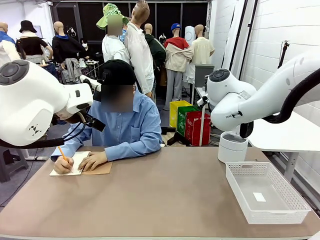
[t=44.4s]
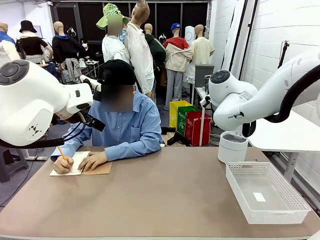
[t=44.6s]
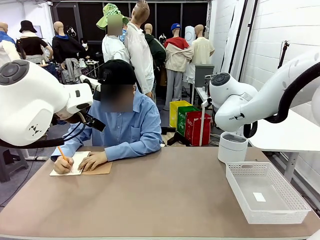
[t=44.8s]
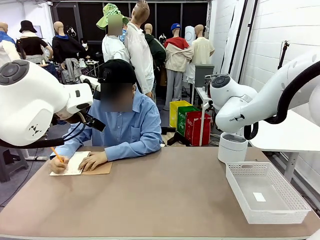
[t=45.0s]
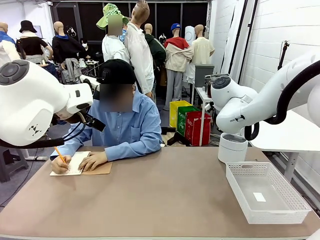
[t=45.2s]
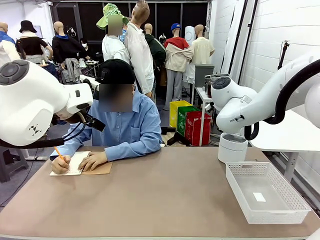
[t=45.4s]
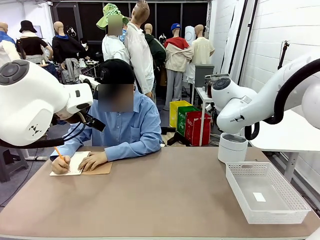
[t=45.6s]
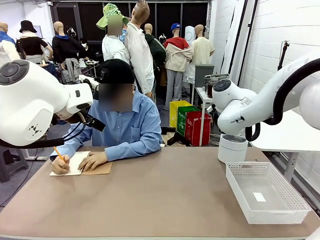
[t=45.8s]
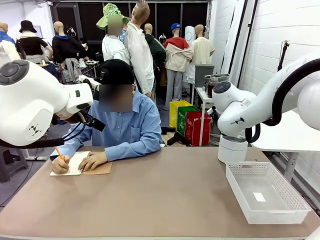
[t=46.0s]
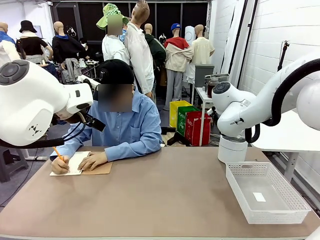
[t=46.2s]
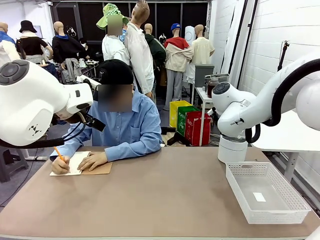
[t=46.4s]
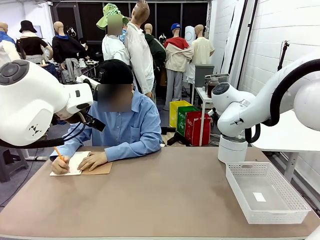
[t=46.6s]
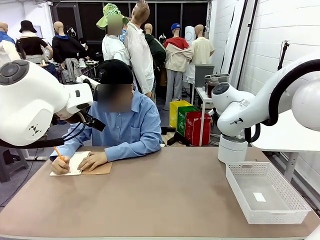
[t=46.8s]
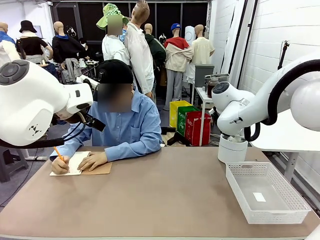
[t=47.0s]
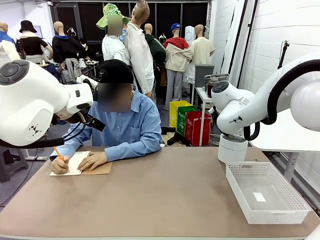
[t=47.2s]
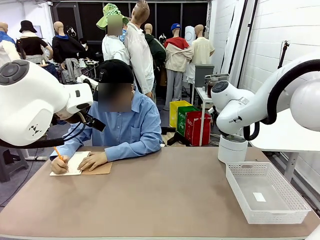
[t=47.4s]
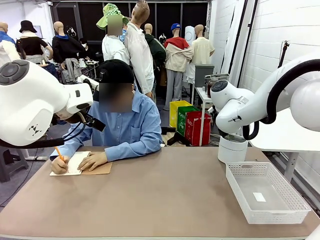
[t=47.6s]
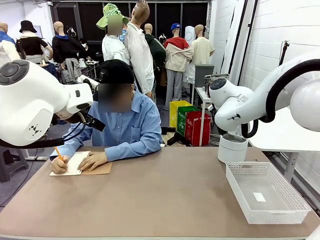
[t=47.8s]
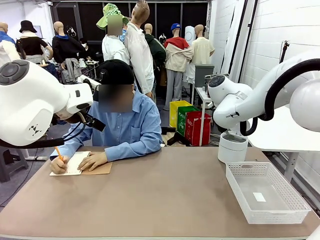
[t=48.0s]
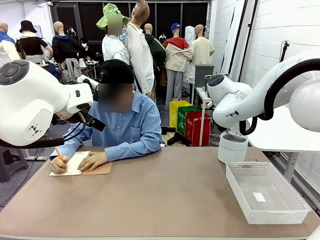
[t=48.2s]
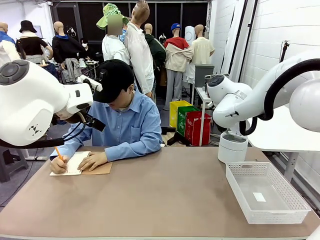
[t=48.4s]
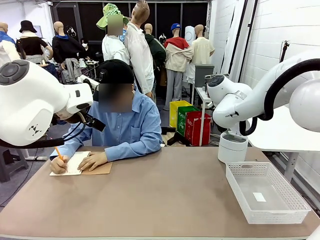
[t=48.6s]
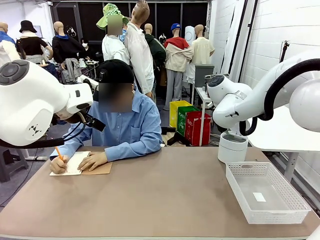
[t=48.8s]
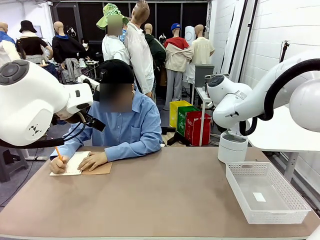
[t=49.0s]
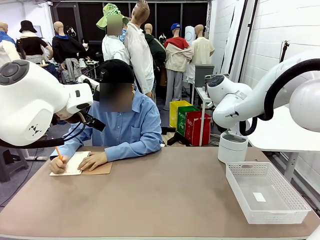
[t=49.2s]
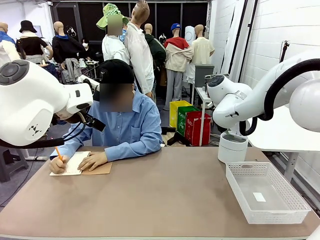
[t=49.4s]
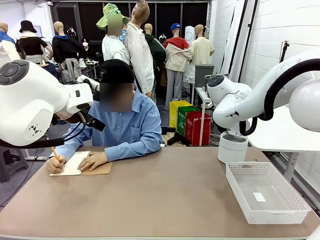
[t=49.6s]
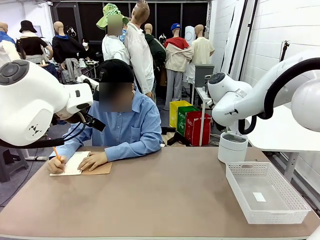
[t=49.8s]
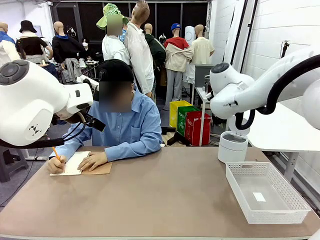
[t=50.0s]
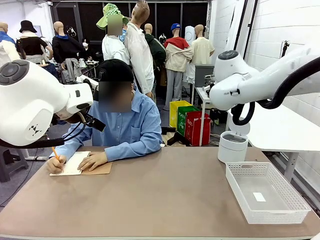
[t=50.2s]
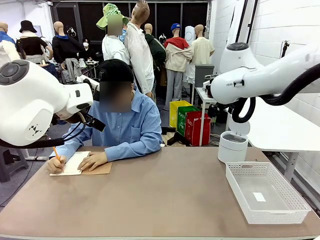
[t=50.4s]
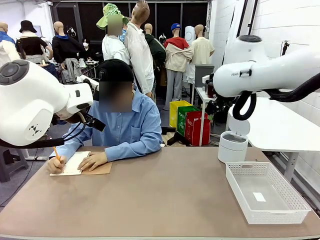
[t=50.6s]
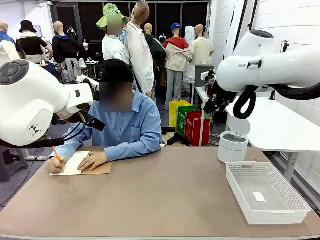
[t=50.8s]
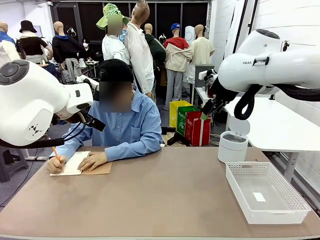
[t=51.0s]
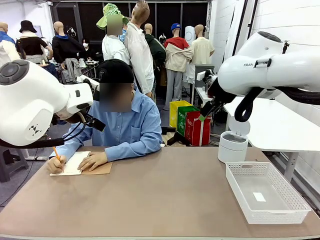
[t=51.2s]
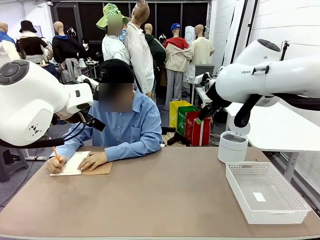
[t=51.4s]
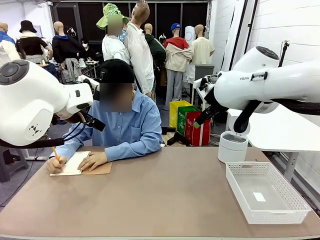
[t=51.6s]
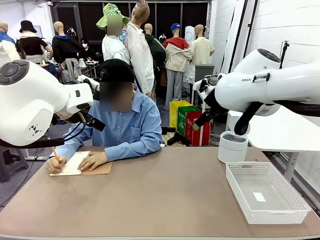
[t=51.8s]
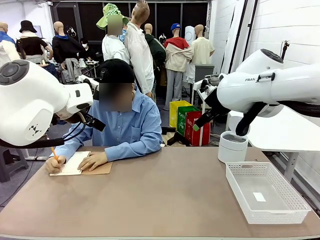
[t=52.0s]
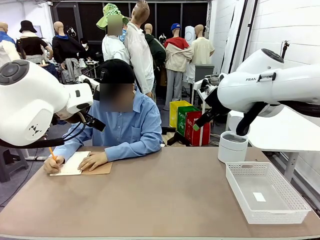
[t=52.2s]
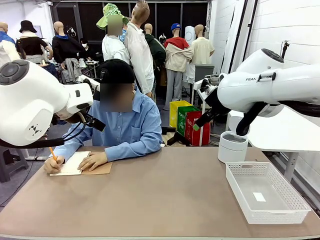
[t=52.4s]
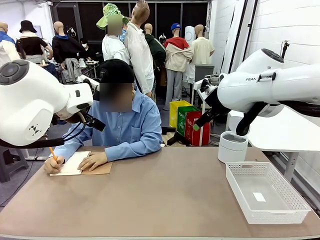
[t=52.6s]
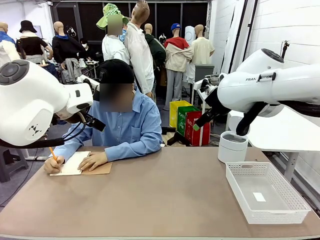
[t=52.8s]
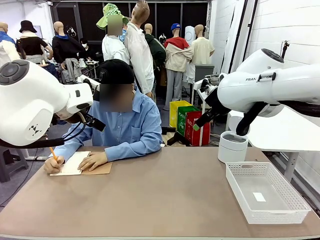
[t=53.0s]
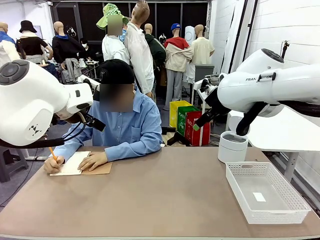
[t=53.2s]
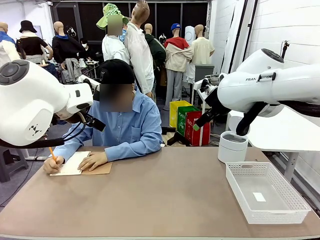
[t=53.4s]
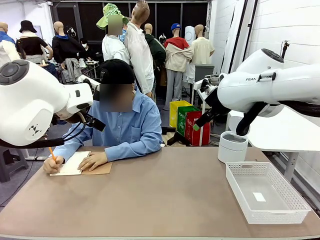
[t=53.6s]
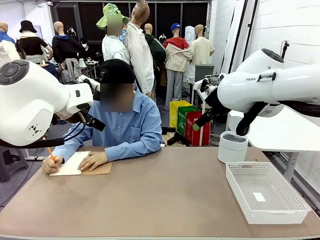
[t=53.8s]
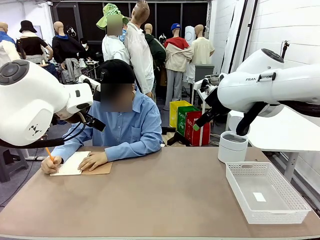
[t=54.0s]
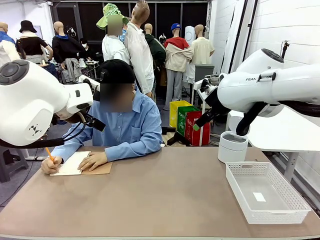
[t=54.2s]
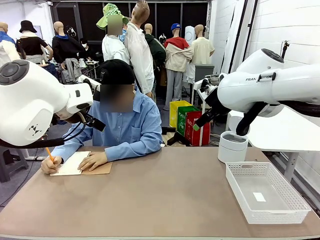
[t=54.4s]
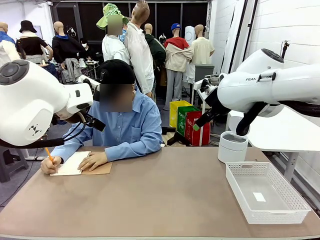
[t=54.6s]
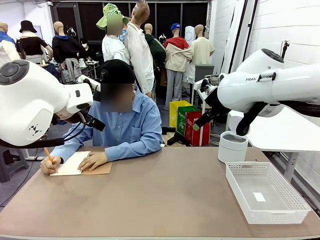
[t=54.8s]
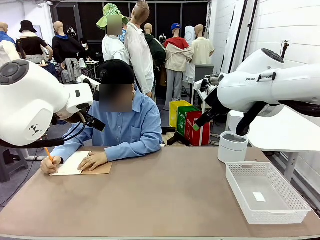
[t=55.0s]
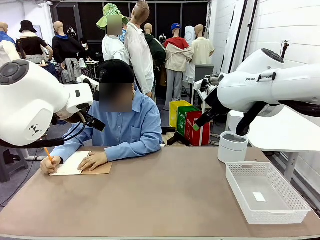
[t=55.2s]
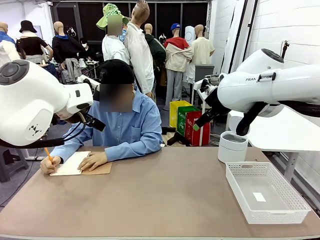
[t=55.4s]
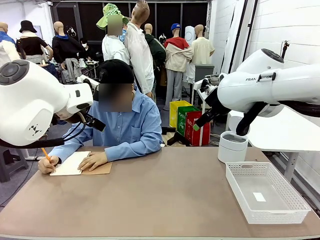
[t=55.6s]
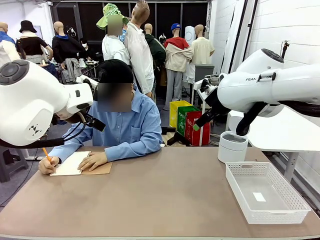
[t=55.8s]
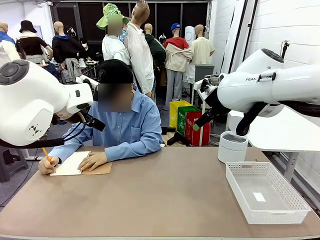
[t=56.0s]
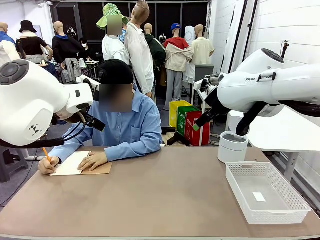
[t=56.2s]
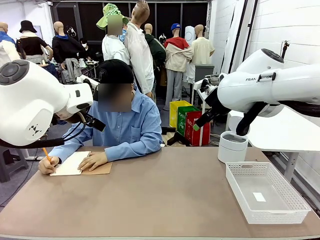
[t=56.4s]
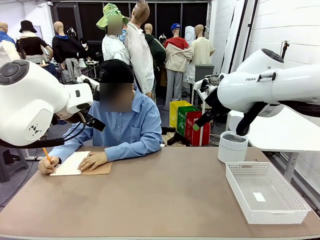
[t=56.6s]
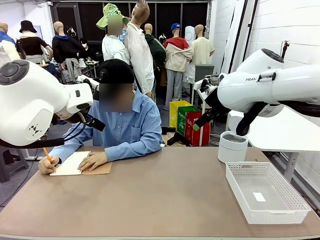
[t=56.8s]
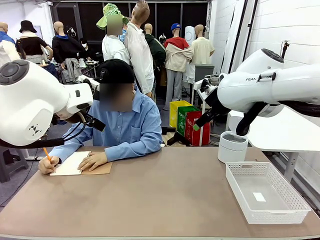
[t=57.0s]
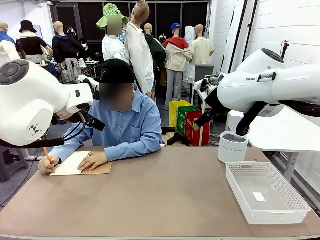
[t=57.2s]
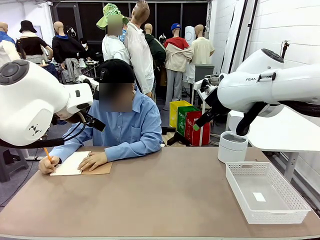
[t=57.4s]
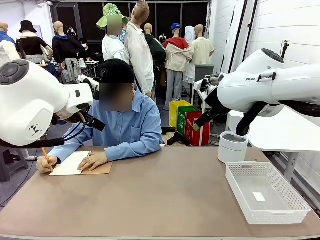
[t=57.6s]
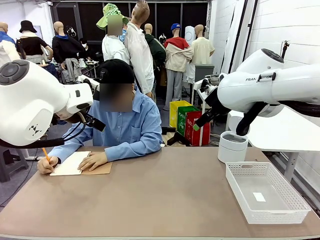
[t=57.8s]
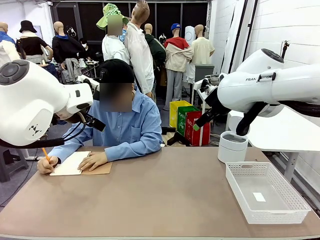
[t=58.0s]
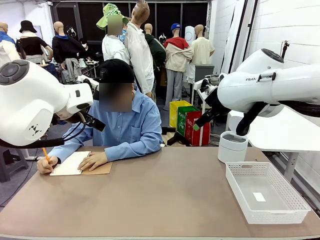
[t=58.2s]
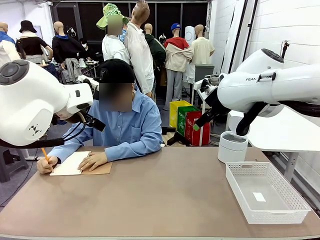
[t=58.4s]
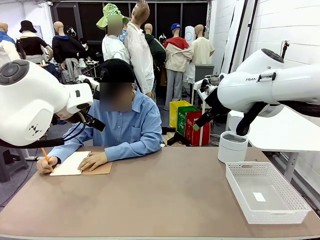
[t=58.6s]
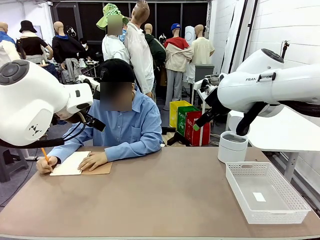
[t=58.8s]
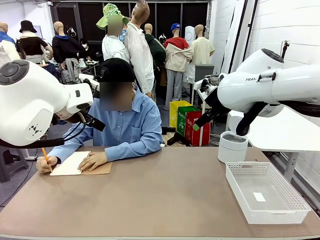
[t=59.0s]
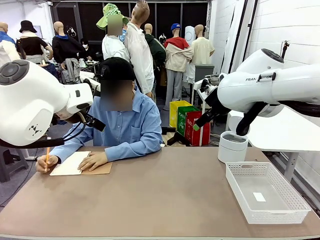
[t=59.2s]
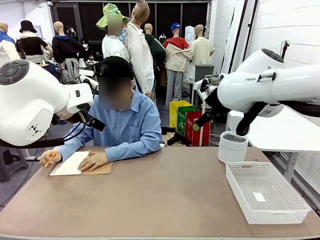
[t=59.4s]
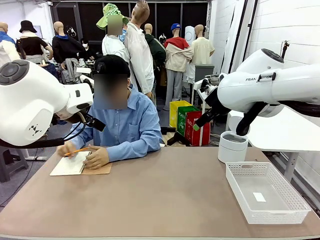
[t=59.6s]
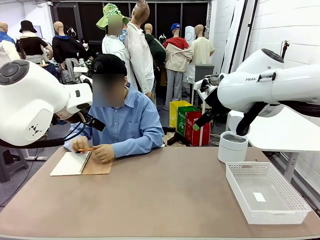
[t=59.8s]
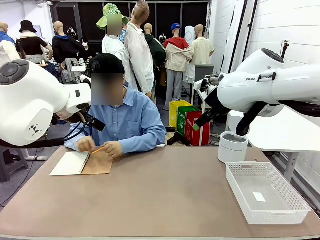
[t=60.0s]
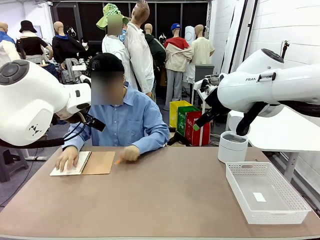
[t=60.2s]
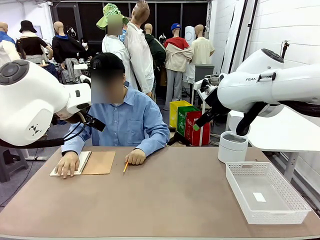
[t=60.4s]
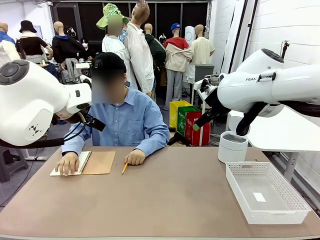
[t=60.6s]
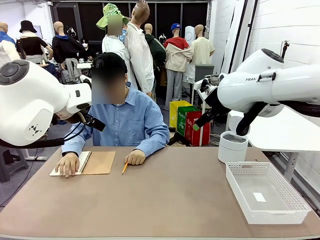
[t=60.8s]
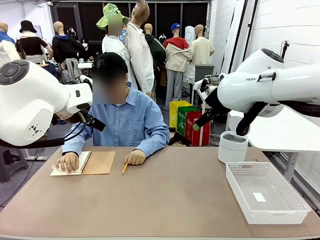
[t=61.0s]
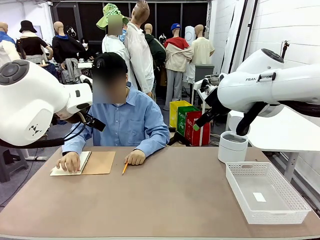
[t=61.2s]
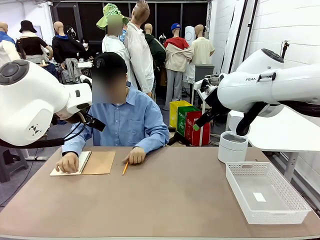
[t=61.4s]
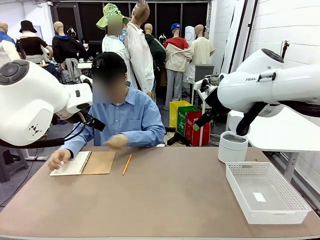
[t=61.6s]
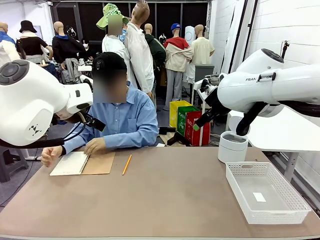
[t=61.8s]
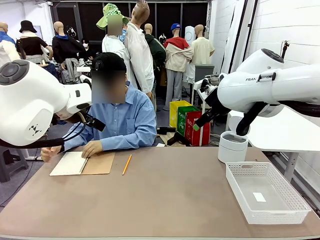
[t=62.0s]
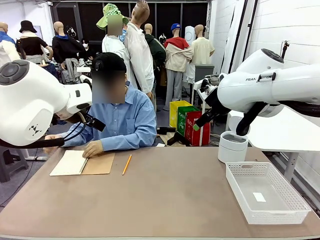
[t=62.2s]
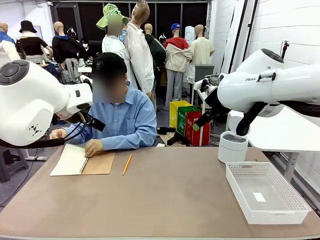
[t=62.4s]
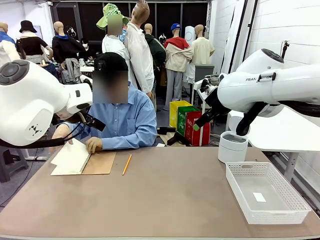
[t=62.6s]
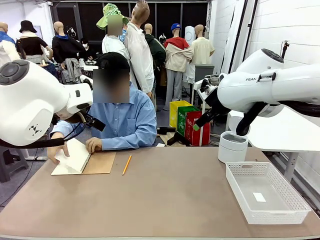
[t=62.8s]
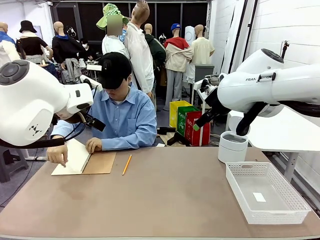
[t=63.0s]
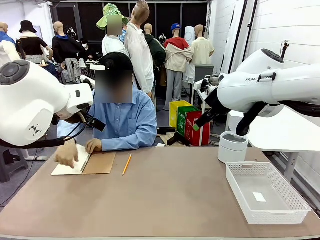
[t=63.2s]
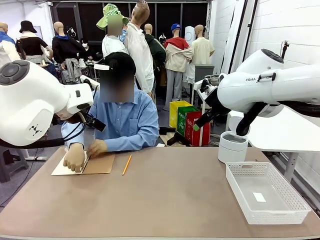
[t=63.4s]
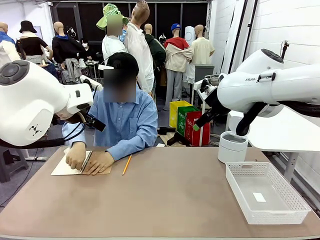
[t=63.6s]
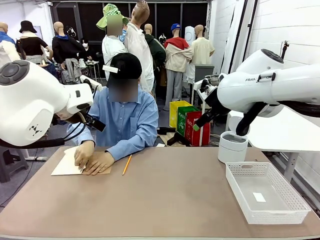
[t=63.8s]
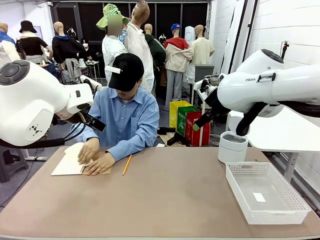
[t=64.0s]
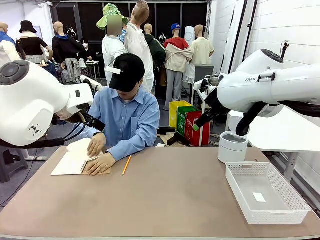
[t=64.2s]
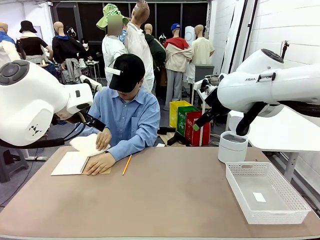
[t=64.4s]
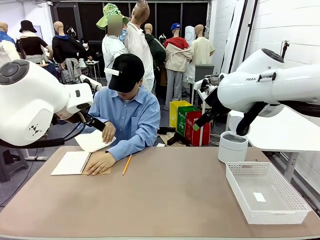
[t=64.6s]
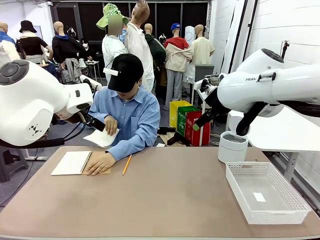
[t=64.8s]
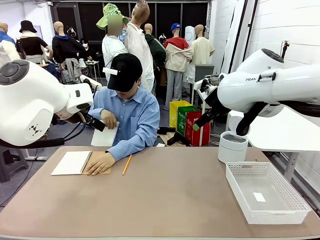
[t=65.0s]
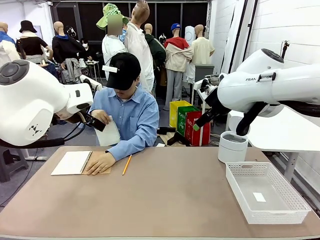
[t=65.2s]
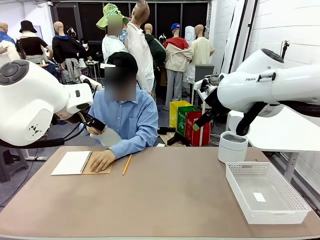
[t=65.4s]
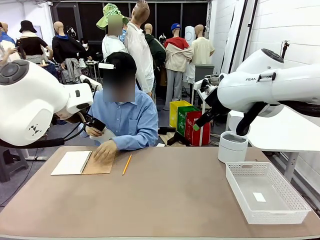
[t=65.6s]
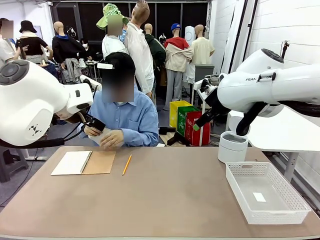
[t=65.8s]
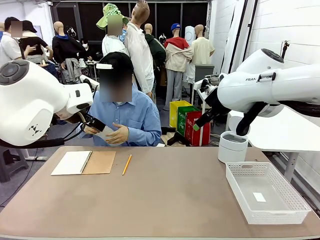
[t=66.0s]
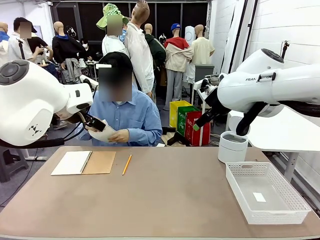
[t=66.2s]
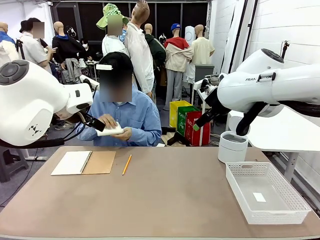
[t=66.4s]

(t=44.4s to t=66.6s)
Task: Sort the paper based on its condition.
Robot: If a person hands you a paper, place it in the Organizing basket , and if it's crumpled, put it in the Trash can.
Person: Tear out a page from the spiral notebook.
